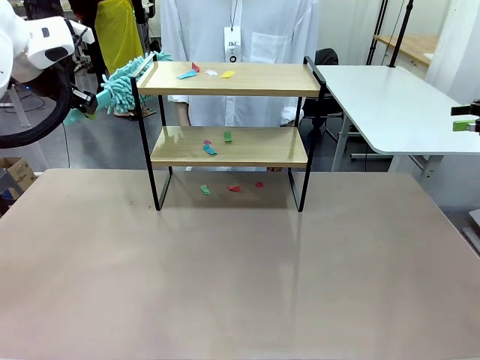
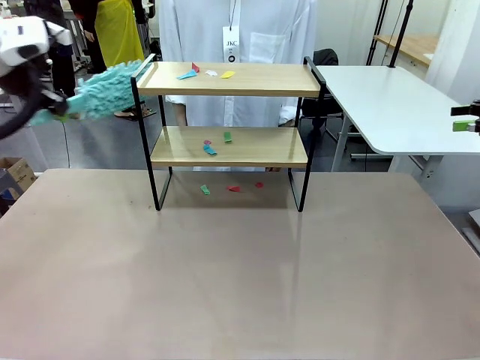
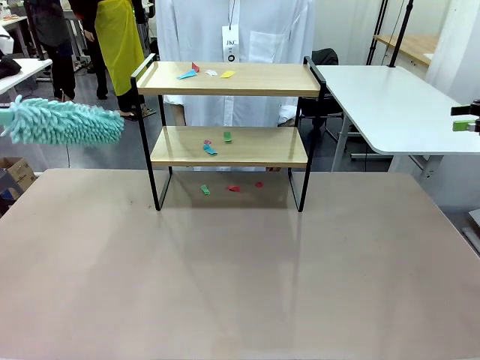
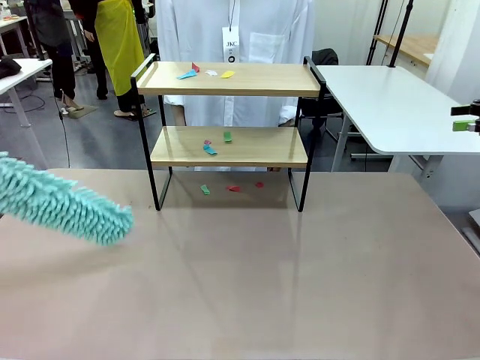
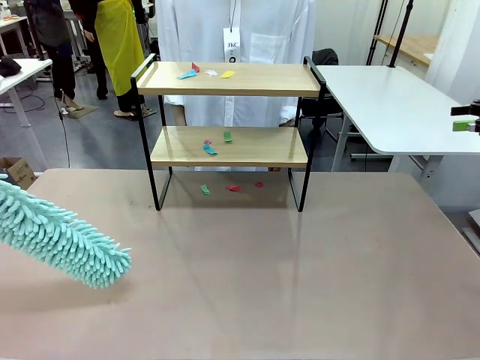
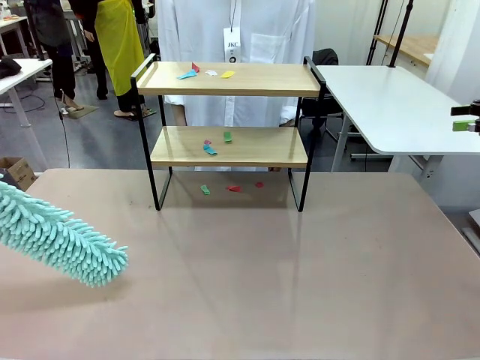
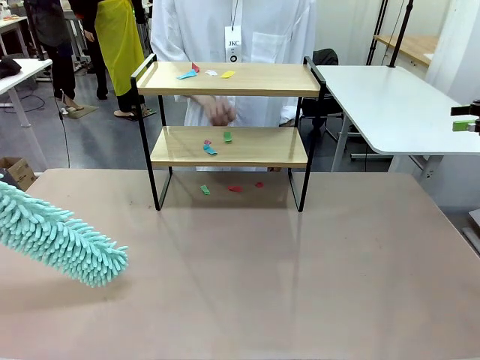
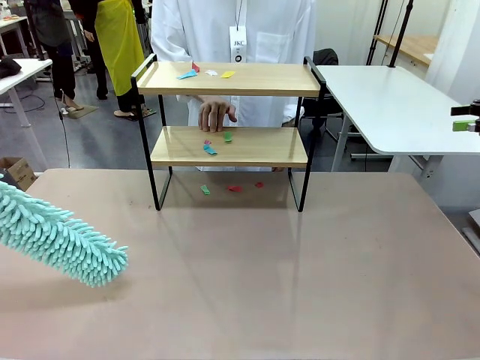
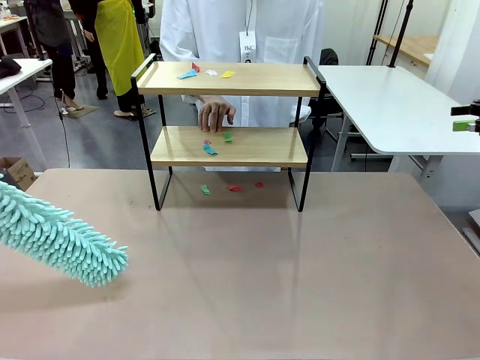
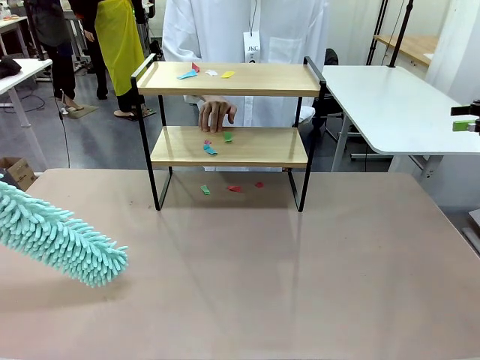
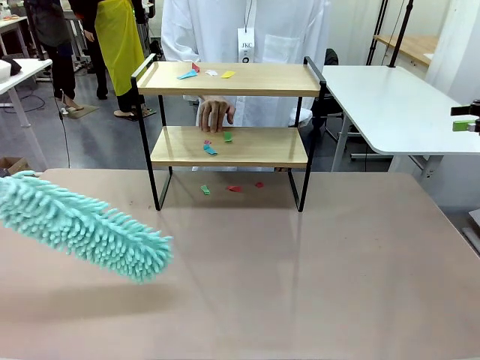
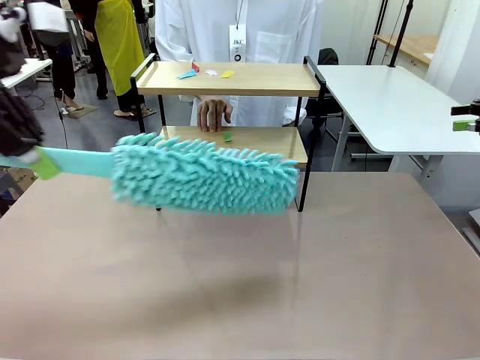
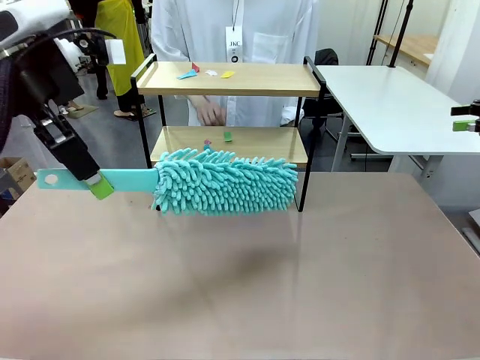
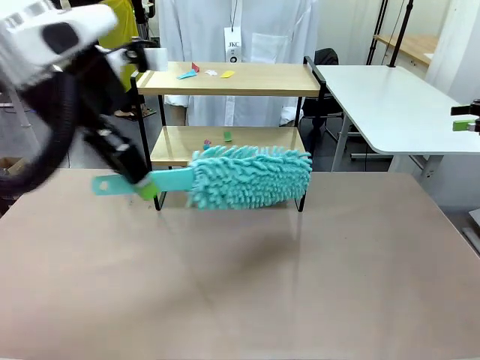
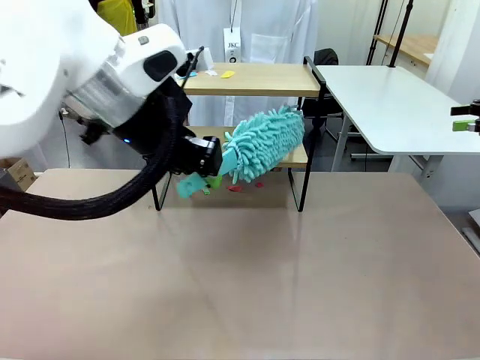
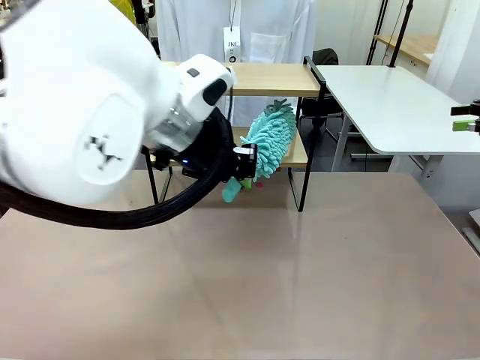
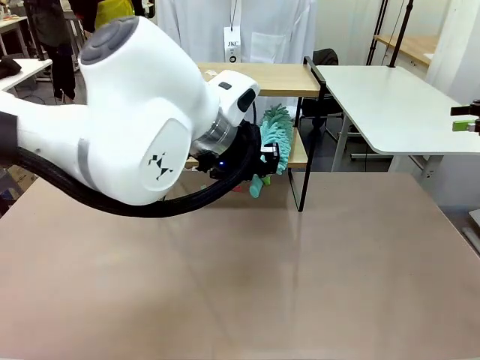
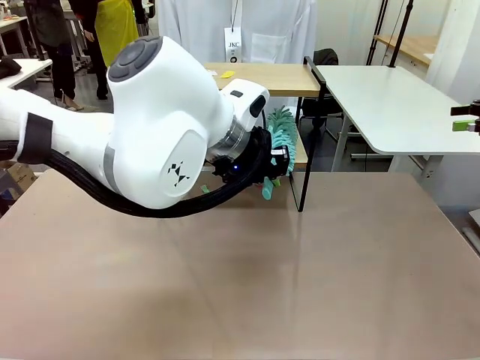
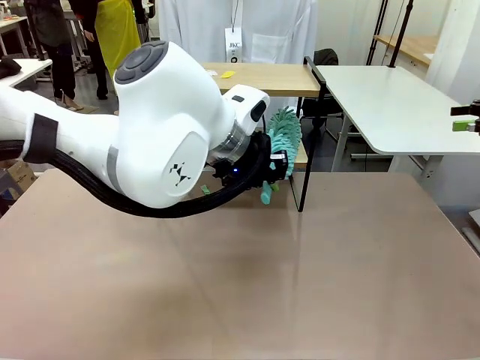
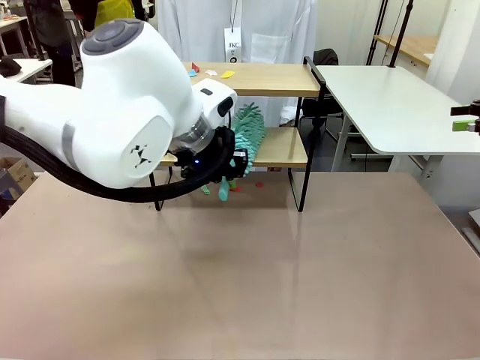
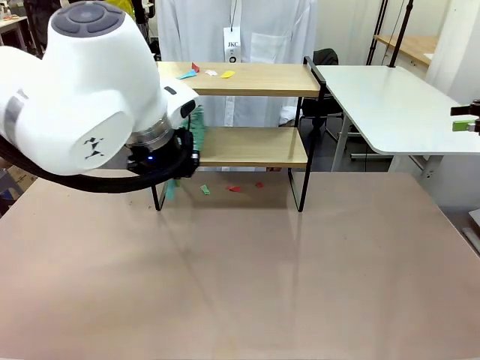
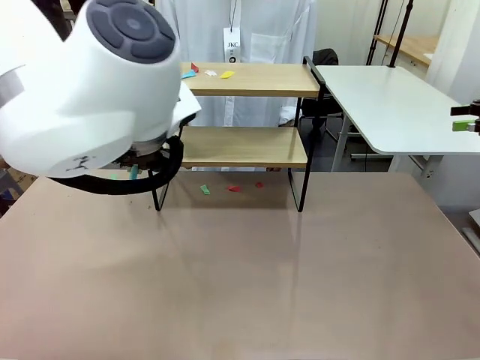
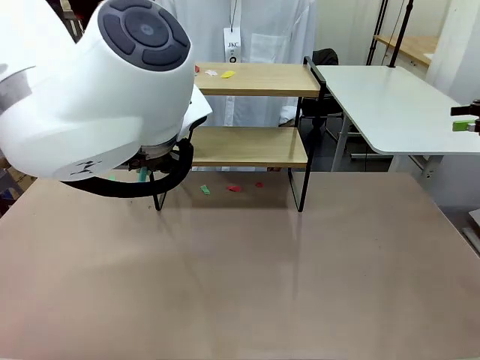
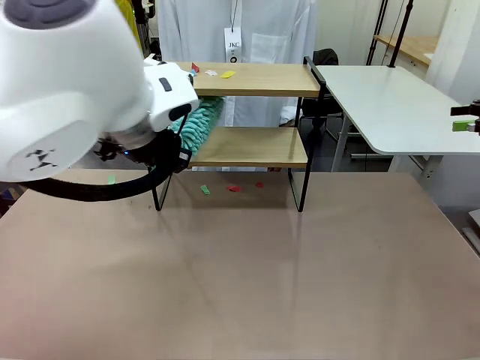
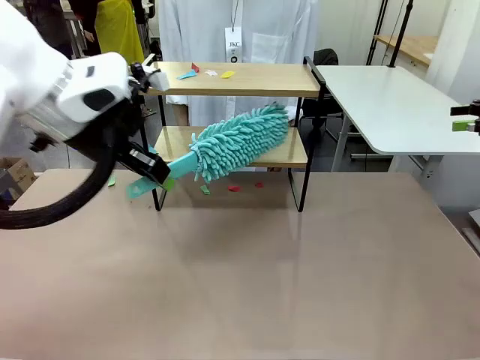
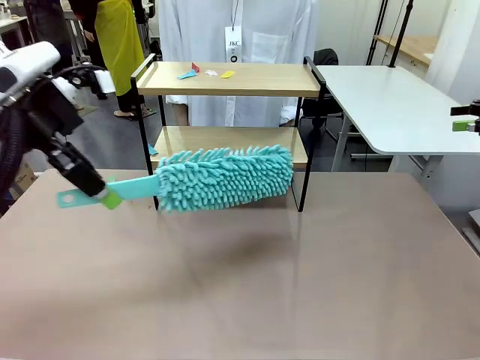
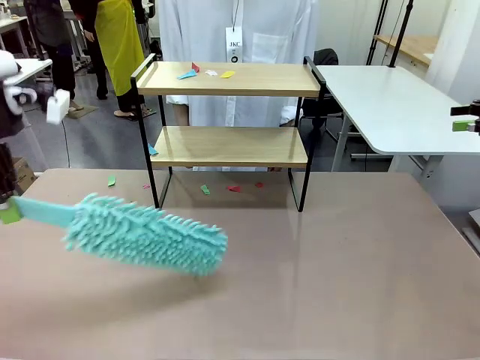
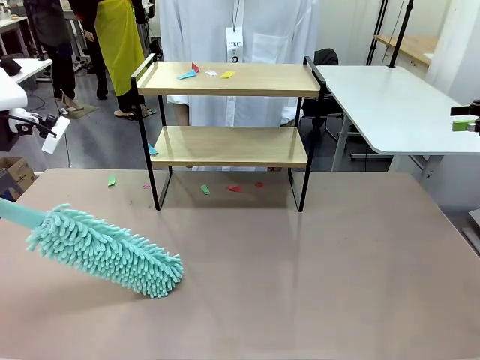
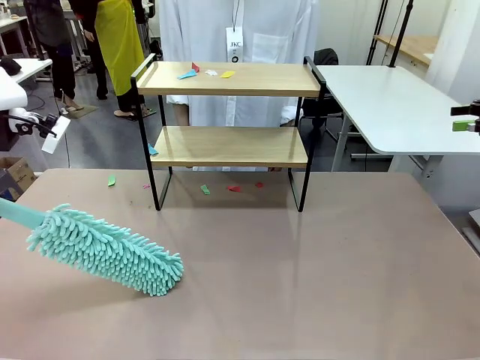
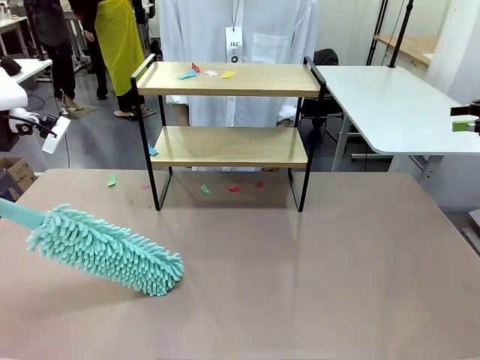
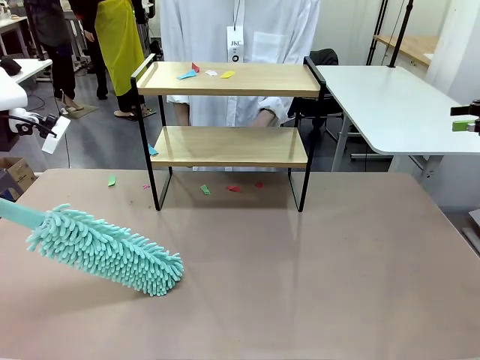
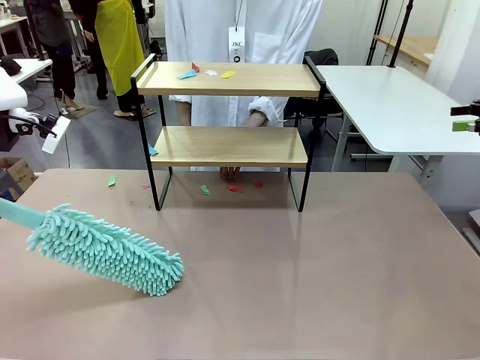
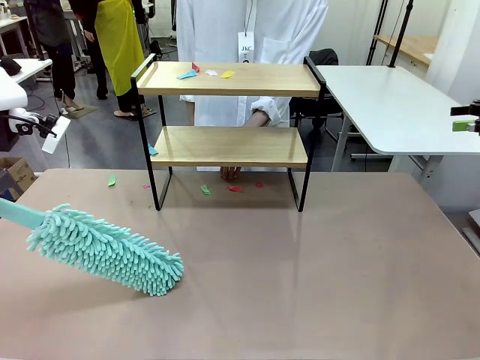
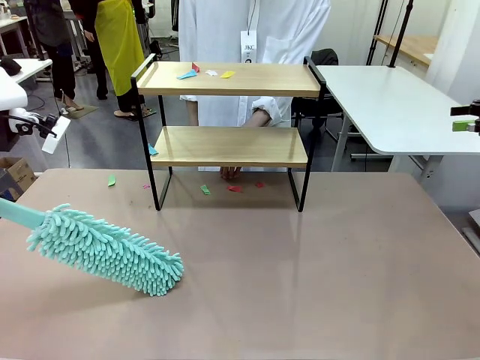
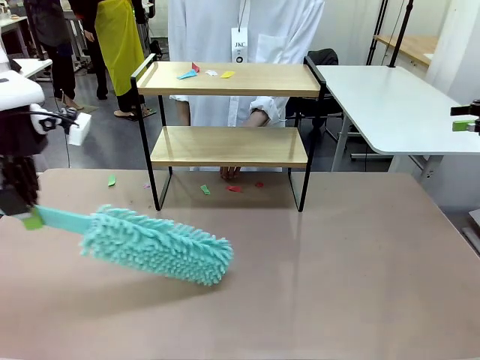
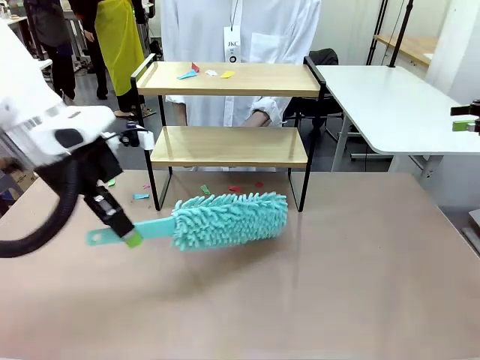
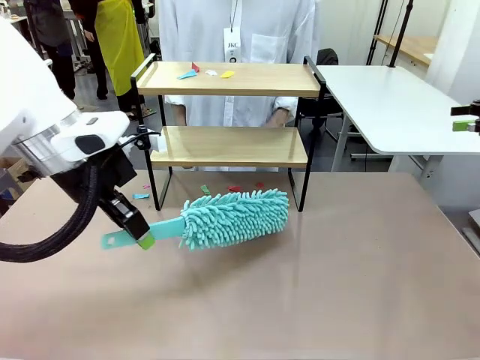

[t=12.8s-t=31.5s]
Task: Clean the shelf.
Robot: Clean the specific section of the Shelf indicated by the human with the Duster.
Person: Point a random section of the Shelf.

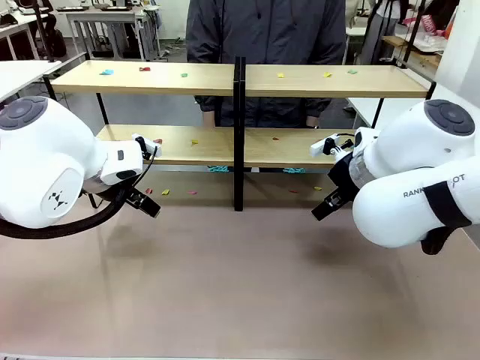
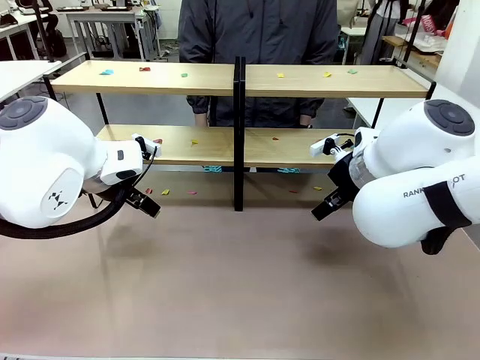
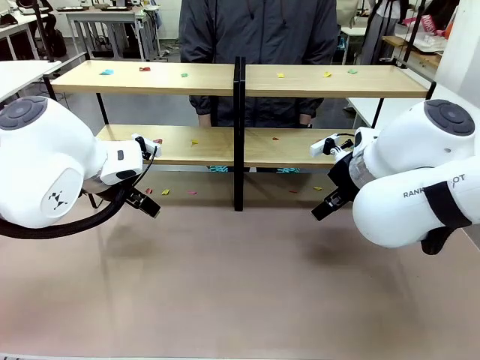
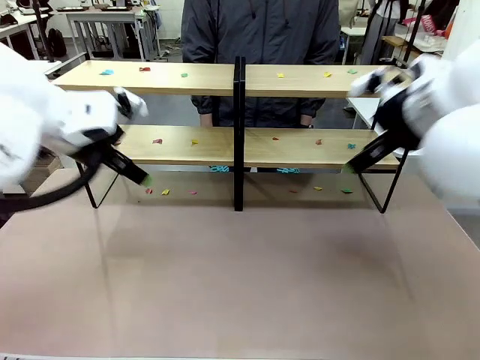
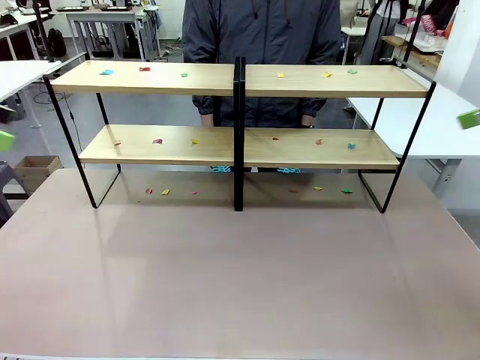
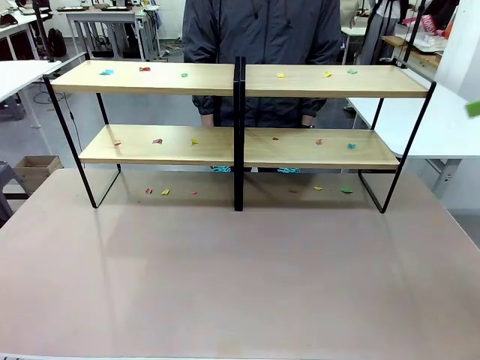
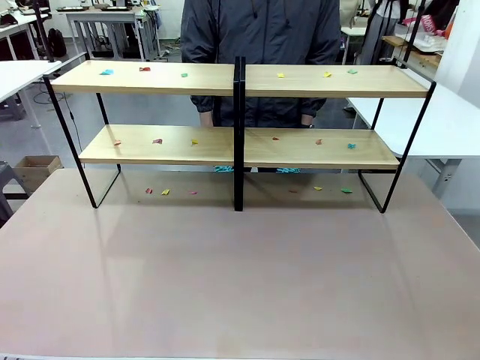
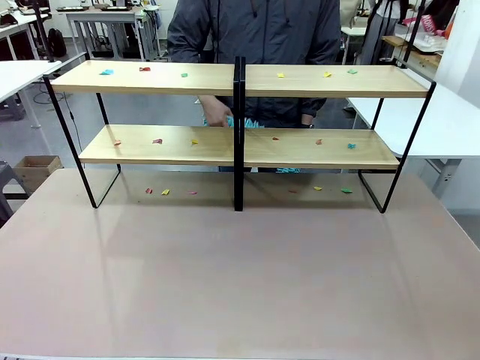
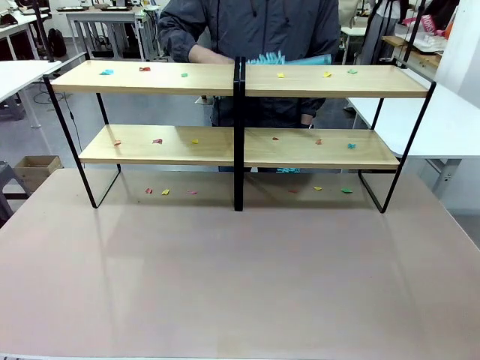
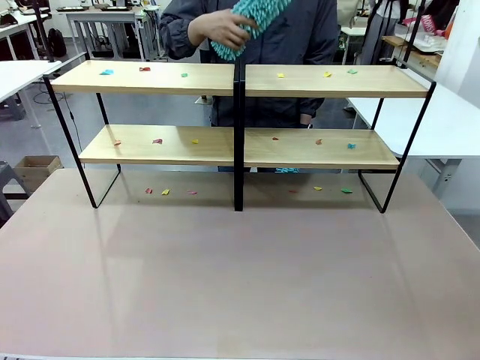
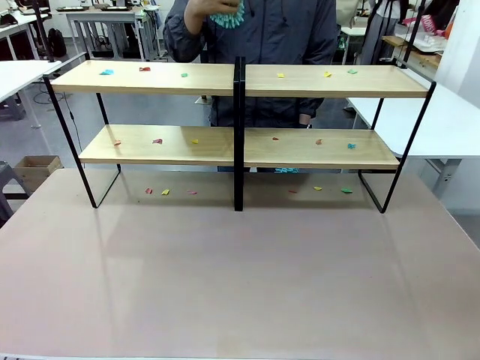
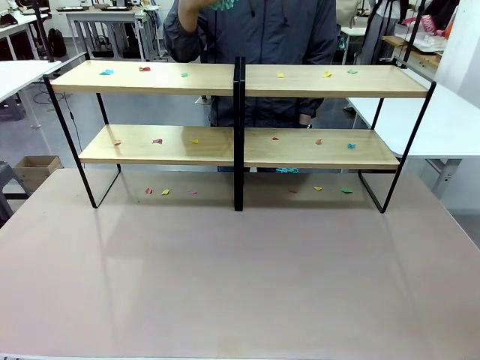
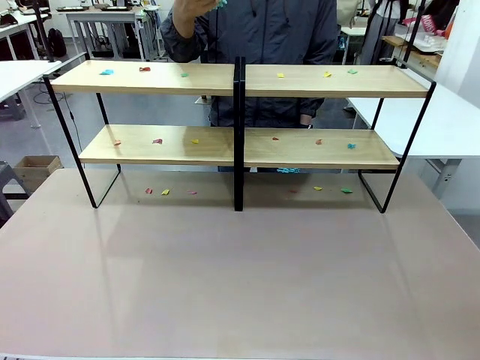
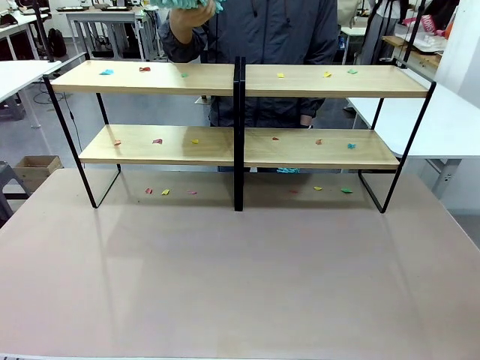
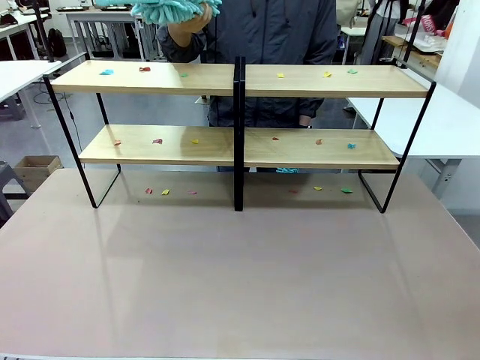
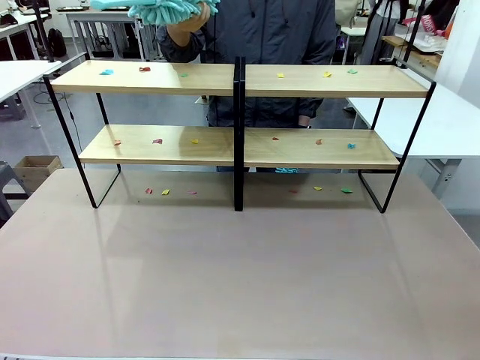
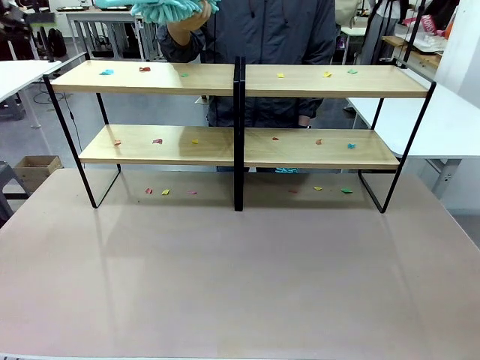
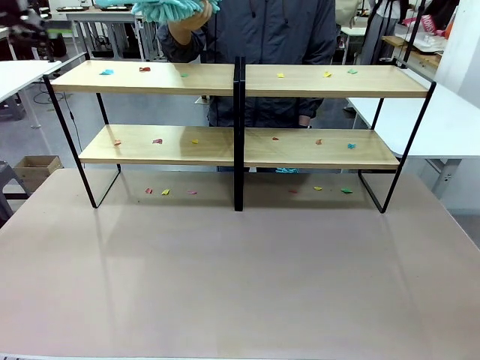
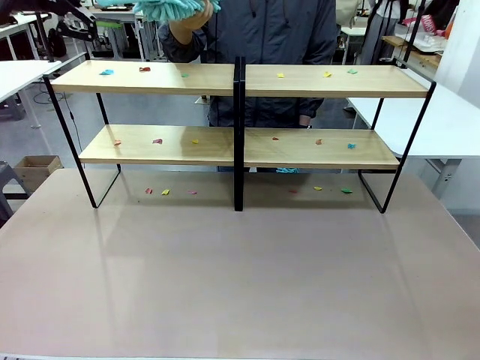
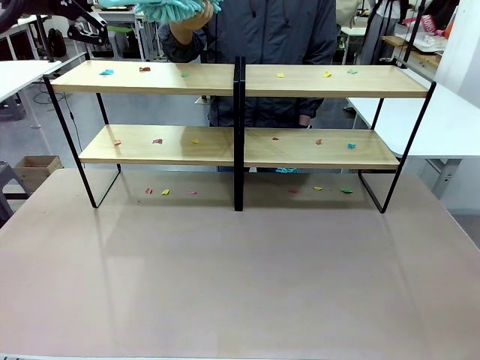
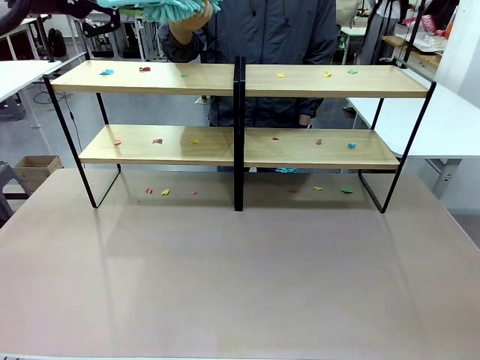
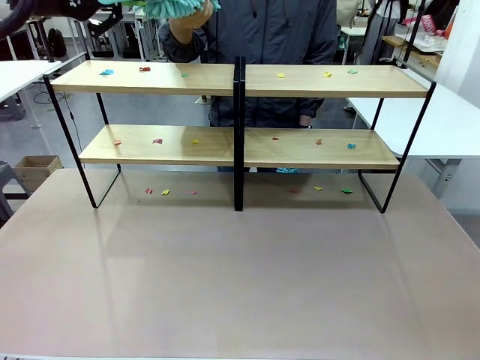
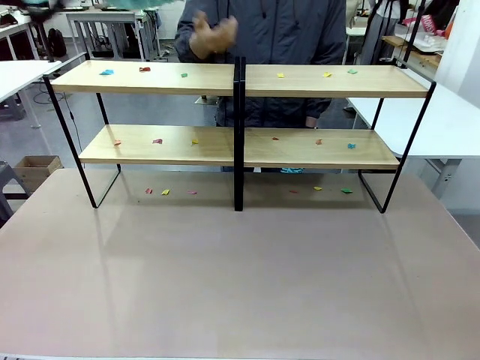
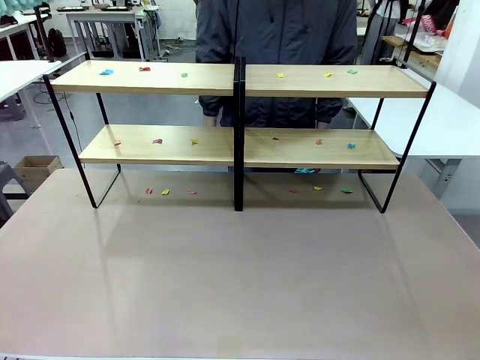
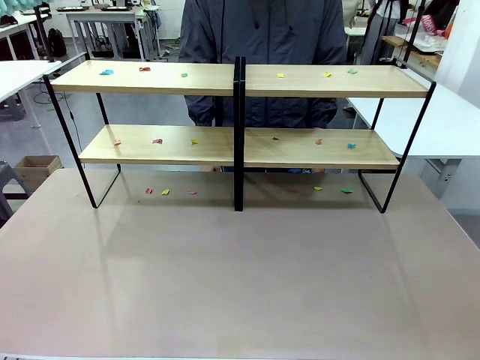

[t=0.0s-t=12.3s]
Task: Clean the shelves.
Robot: Pick up the Duster when the human hands it over.
Person: Hand the Duster to the robot with your right (or left) hand.
